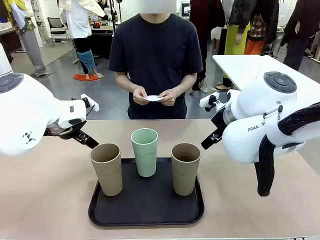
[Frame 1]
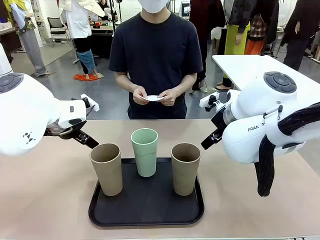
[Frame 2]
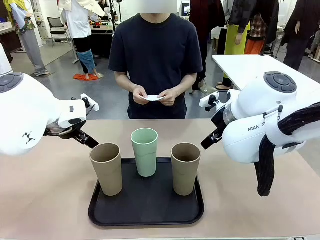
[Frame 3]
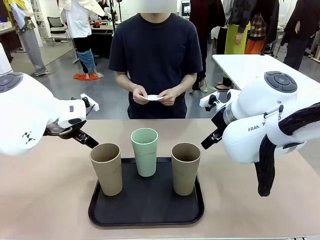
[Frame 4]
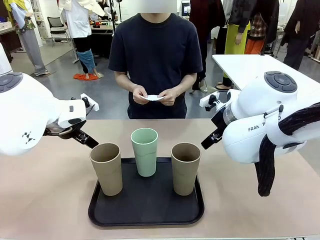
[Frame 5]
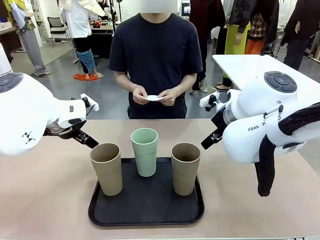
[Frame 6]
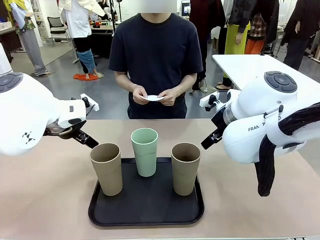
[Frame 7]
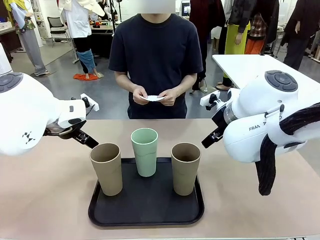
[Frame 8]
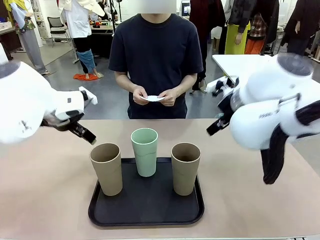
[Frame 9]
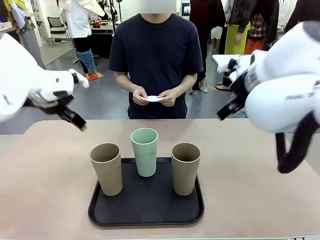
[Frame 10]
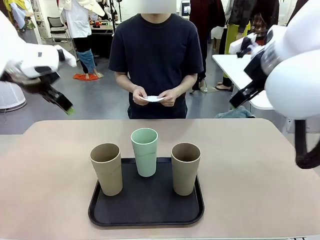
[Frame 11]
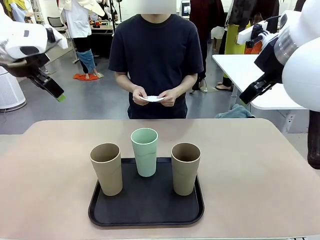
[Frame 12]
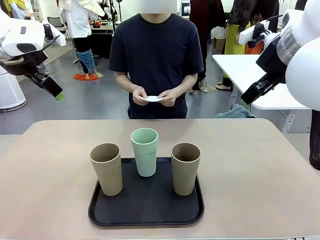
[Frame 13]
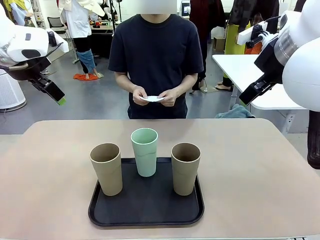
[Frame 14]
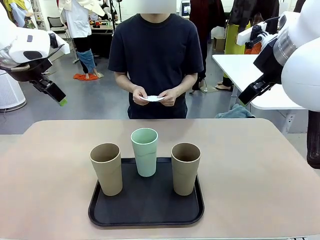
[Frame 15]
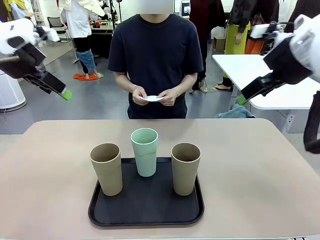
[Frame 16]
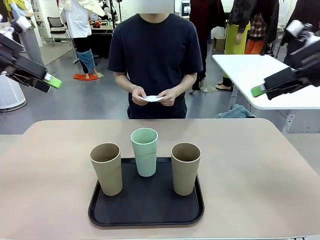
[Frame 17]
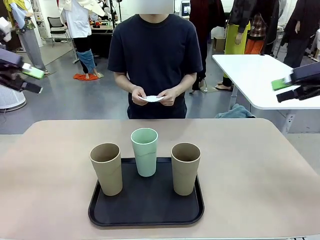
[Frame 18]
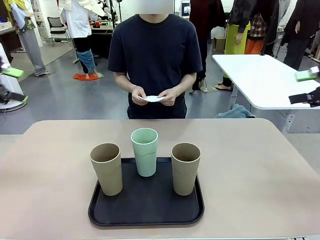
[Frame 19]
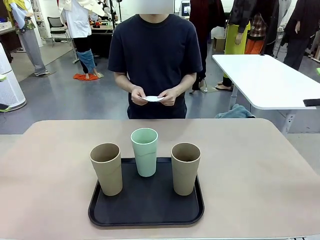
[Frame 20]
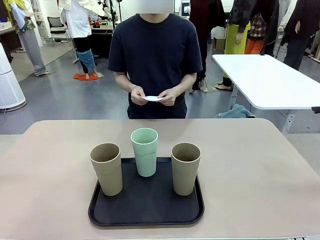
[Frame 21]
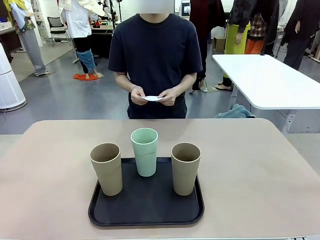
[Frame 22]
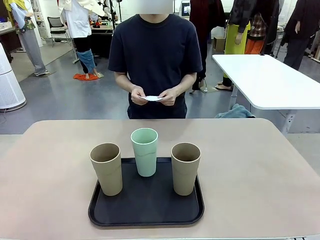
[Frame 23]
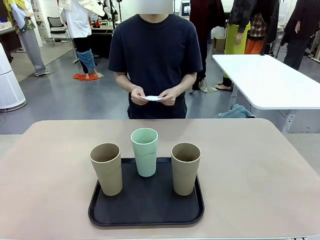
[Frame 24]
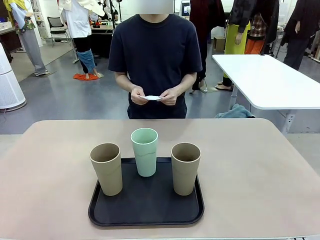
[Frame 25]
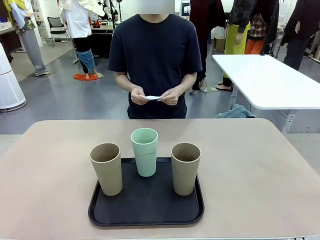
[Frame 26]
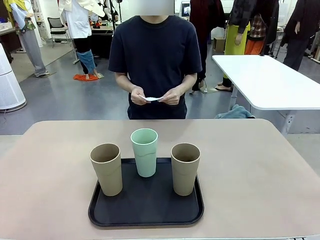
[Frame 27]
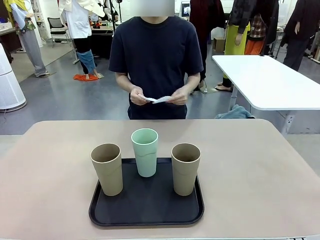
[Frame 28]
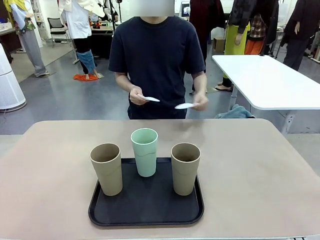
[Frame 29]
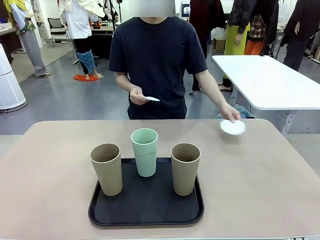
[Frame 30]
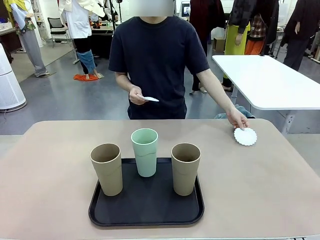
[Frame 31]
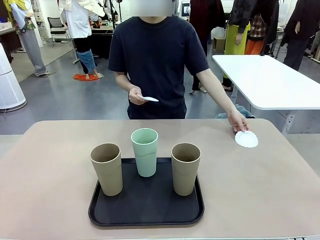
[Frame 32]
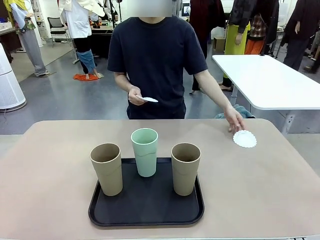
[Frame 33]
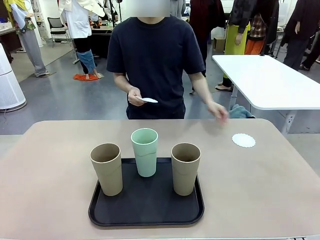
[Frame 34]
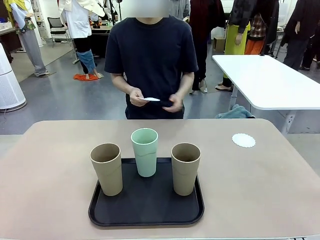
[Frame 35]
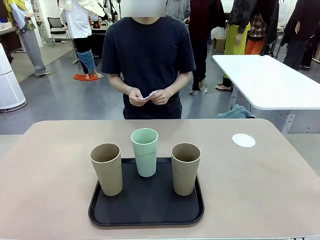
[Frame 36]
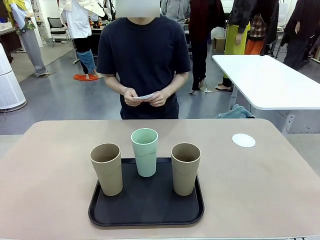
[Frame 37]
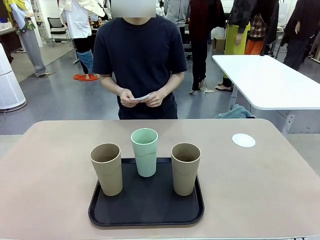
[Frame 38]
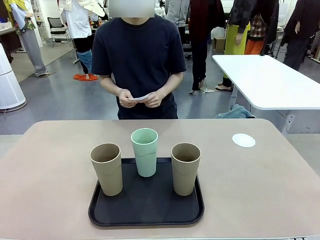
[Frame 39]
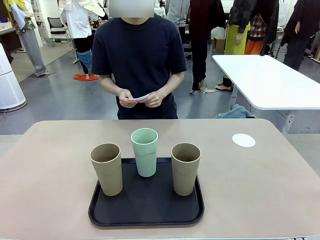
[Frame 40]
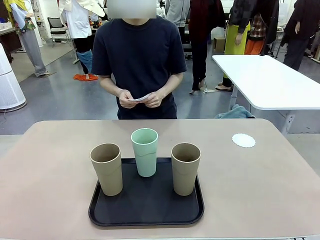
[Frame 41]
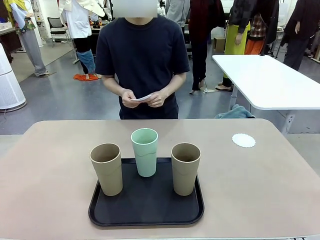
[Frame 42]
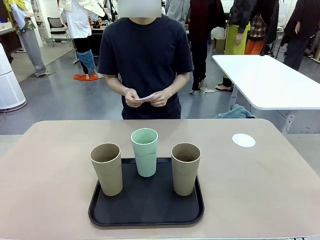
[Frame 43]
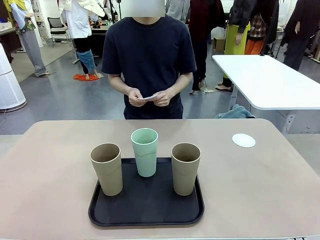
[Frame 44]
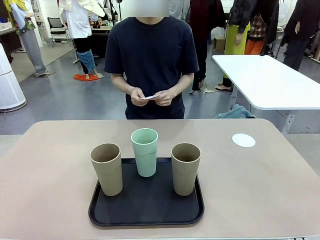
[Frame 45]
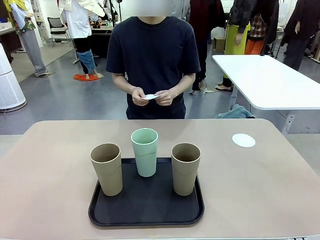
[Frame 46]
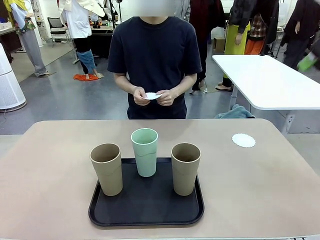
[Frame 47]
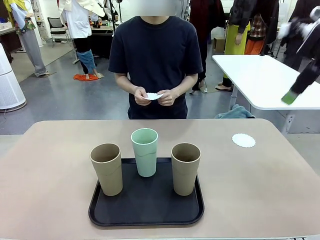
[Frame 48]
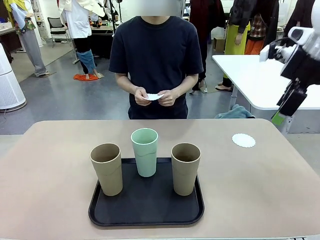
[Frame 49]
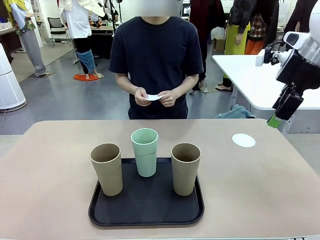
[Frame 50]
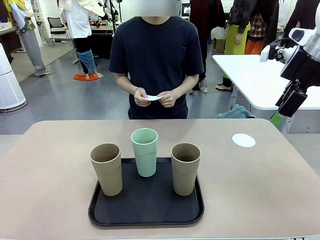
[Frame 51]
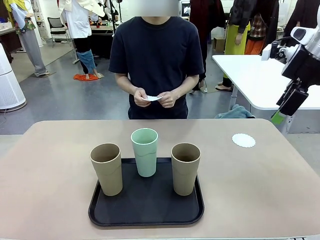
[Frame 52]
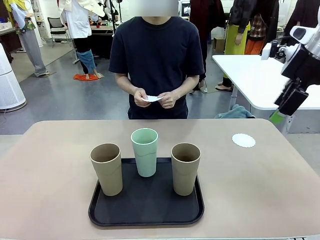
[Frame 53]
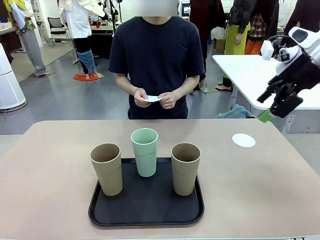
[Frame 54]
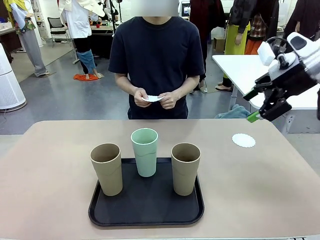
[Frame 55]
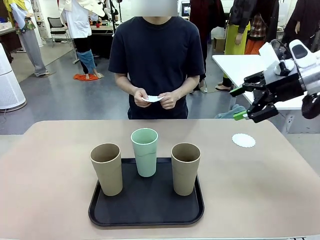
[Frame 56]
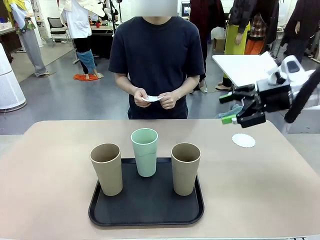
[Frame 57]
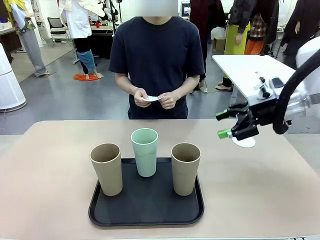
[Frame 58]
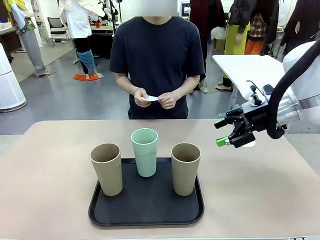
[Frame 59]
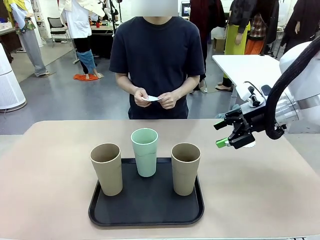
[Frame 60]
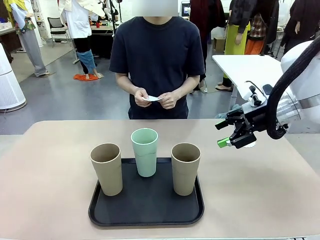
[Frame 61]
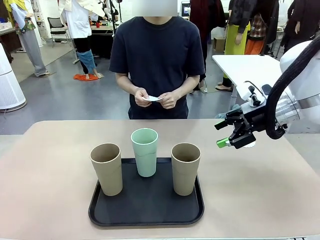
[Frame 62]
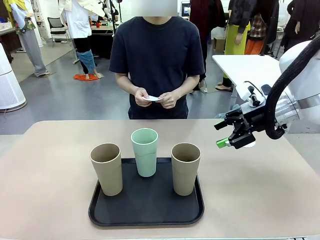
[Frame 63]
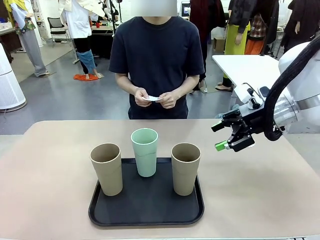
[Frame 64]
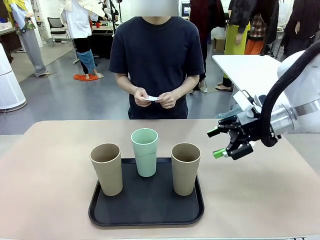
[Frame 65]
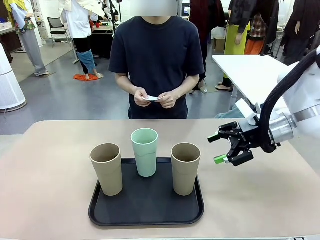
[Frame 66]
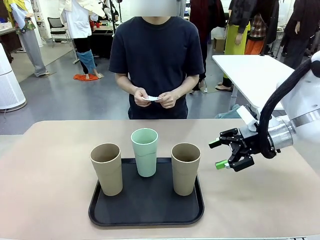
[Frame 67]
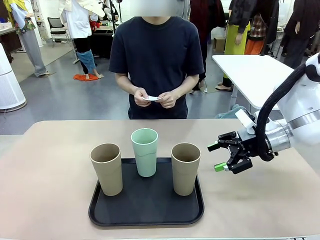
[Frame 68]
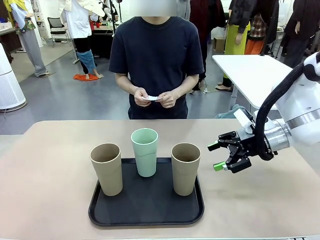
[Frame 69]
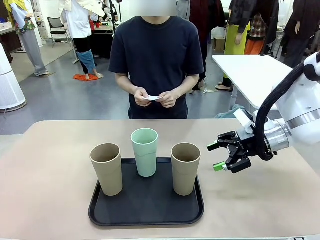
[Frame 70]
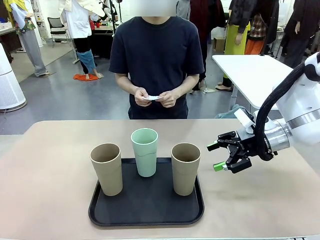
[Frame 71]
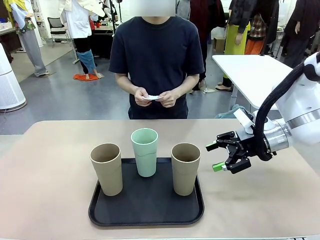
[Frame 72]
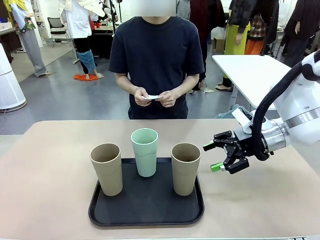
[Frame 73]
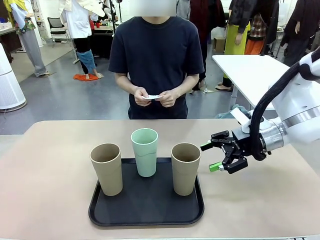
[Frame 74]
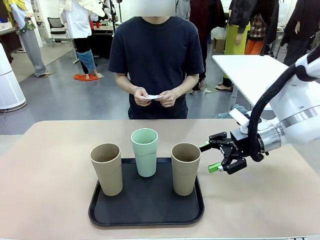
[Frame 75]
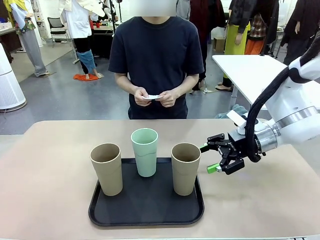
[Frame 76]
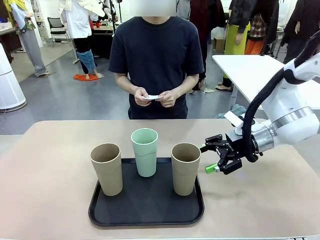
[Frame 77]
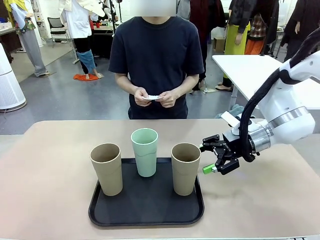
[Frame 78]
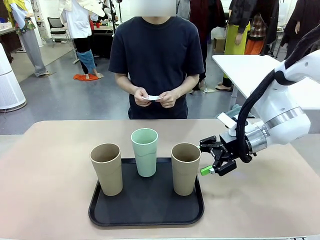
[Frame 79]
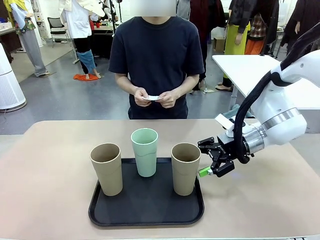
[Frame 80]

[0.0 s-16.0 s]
Task: Place coasters on the table and set cups on them.
Robot: Pick up one Reusable plastic cup and place it on a coaster set by the human.
Person: Place one coaster in any one of the three lower areas of the robot table (left, center, or right).
